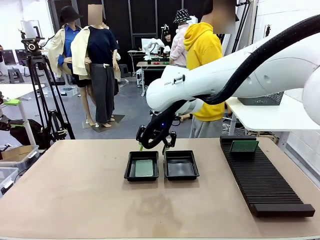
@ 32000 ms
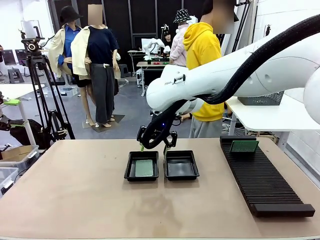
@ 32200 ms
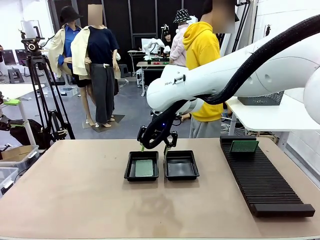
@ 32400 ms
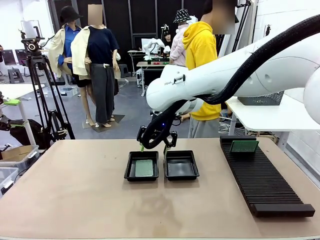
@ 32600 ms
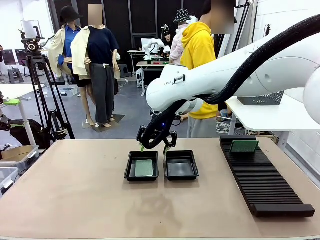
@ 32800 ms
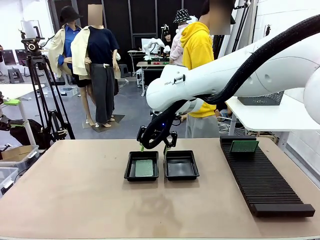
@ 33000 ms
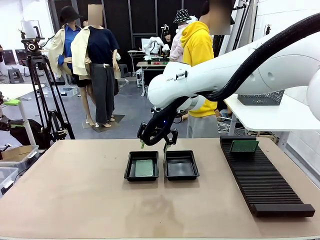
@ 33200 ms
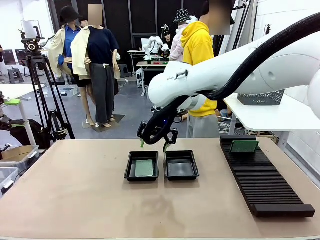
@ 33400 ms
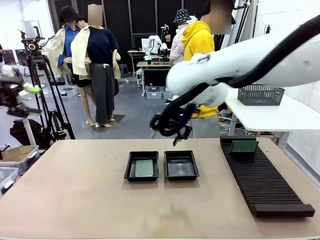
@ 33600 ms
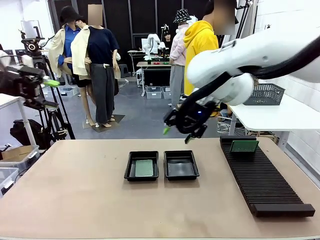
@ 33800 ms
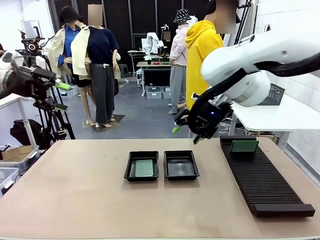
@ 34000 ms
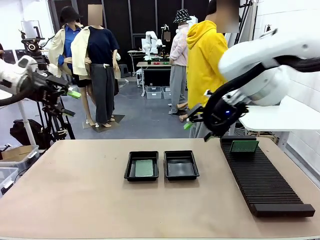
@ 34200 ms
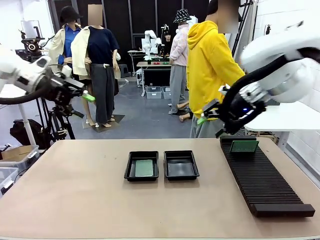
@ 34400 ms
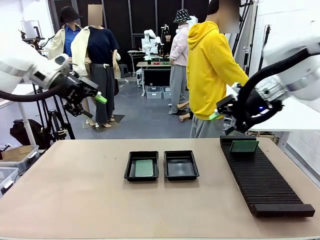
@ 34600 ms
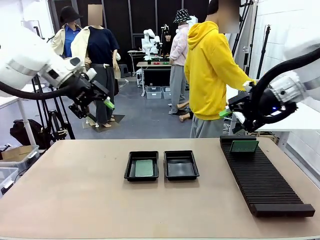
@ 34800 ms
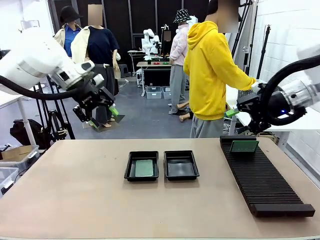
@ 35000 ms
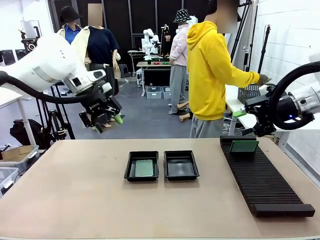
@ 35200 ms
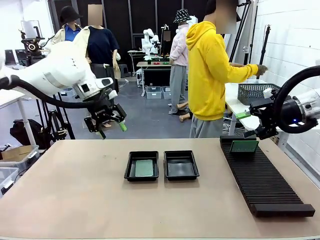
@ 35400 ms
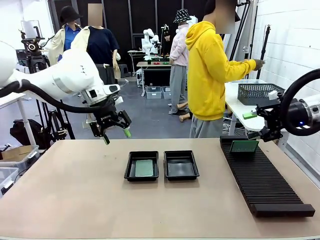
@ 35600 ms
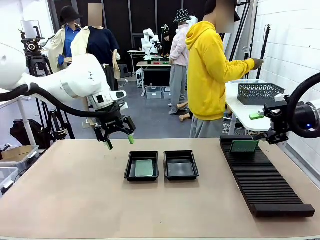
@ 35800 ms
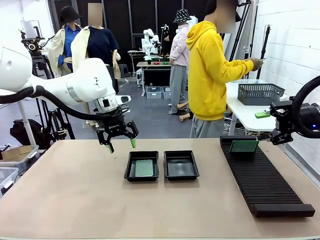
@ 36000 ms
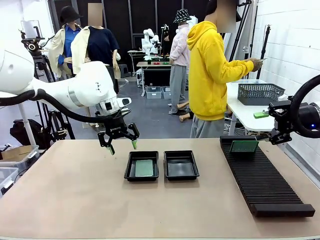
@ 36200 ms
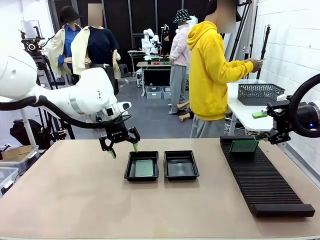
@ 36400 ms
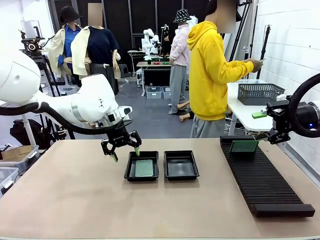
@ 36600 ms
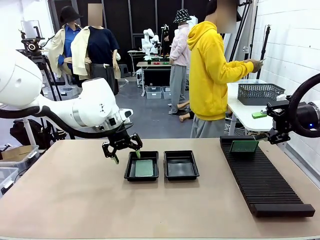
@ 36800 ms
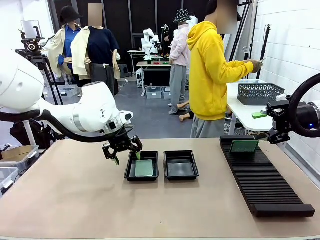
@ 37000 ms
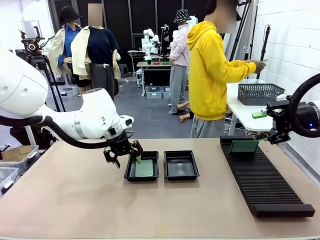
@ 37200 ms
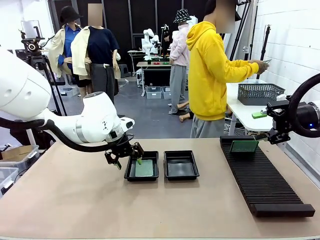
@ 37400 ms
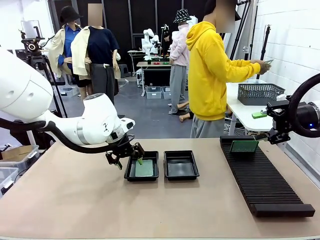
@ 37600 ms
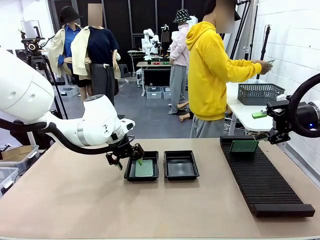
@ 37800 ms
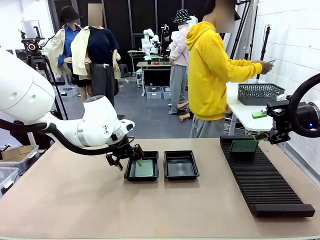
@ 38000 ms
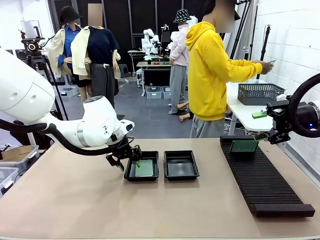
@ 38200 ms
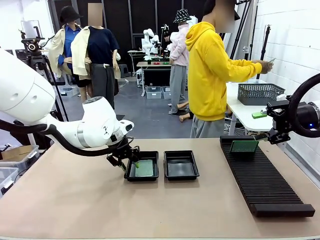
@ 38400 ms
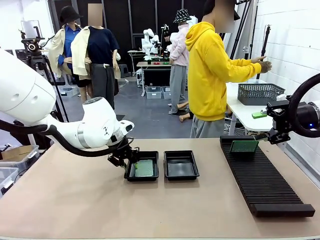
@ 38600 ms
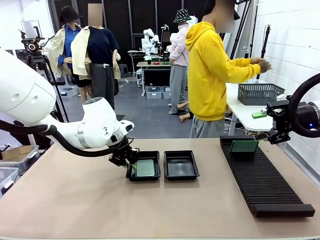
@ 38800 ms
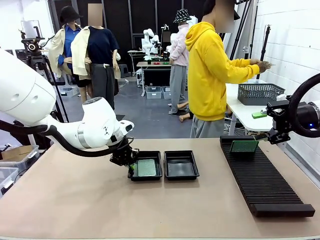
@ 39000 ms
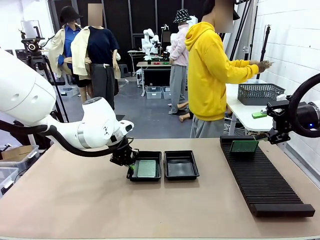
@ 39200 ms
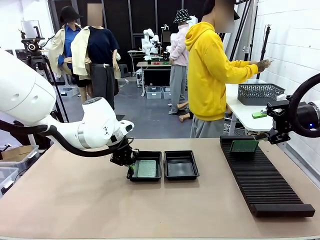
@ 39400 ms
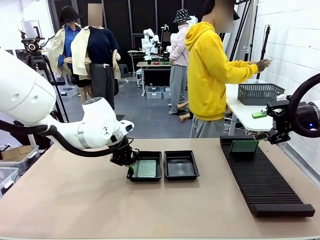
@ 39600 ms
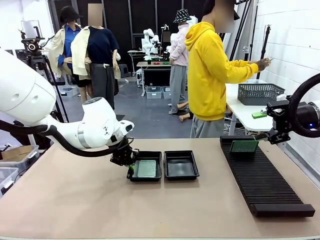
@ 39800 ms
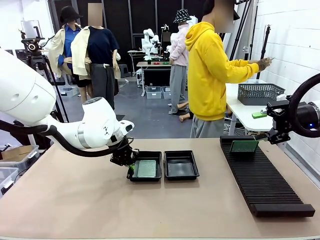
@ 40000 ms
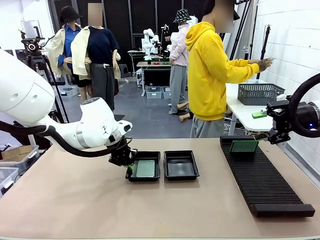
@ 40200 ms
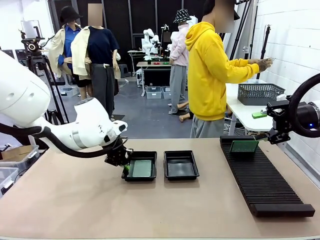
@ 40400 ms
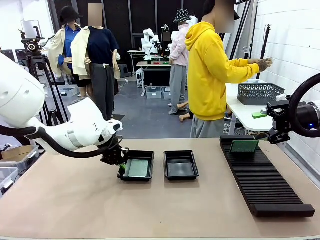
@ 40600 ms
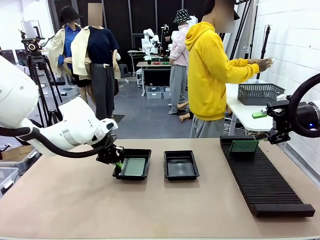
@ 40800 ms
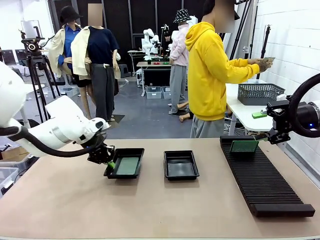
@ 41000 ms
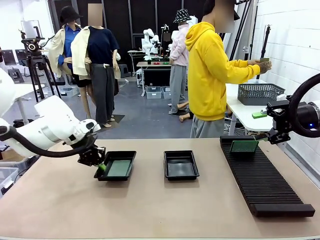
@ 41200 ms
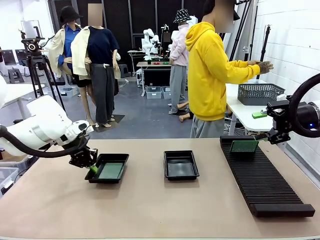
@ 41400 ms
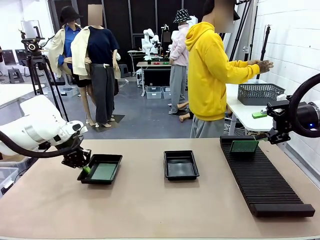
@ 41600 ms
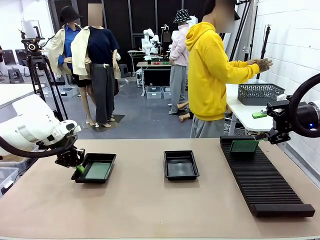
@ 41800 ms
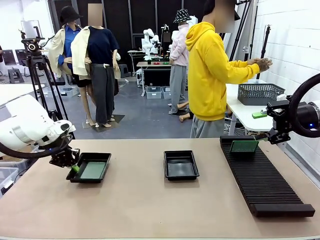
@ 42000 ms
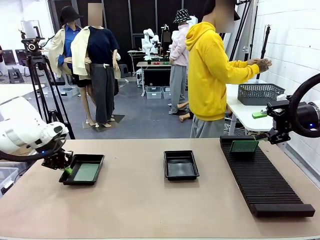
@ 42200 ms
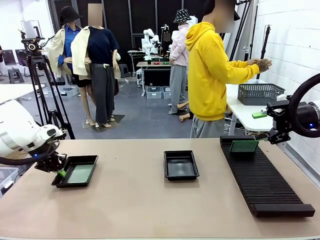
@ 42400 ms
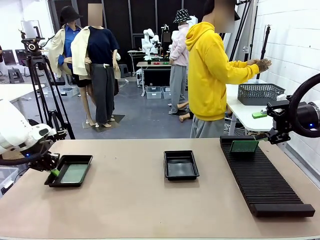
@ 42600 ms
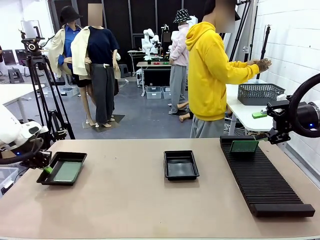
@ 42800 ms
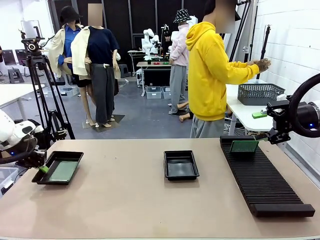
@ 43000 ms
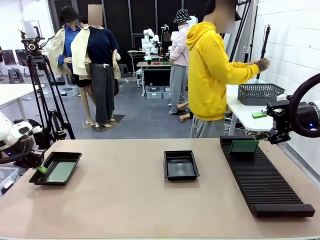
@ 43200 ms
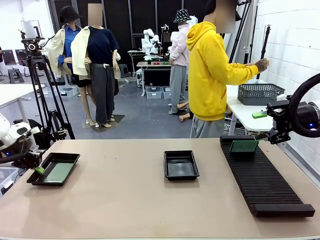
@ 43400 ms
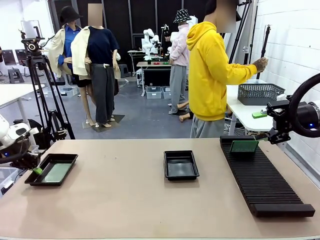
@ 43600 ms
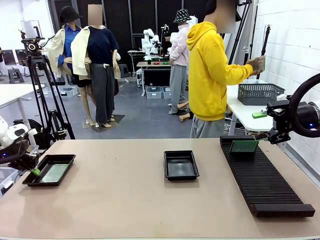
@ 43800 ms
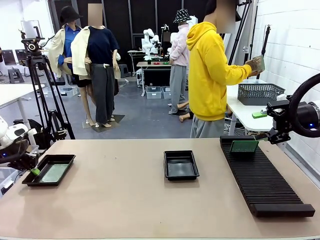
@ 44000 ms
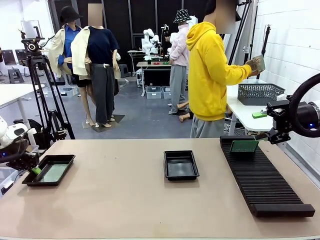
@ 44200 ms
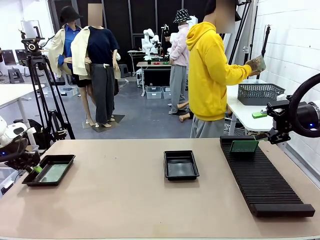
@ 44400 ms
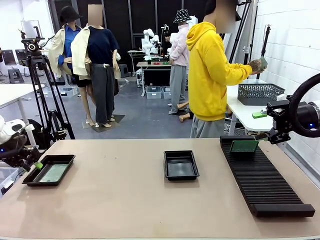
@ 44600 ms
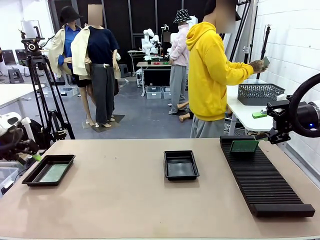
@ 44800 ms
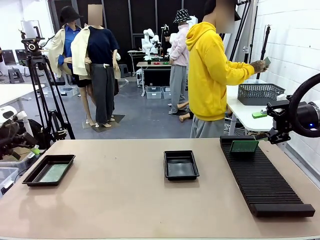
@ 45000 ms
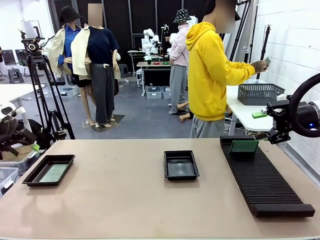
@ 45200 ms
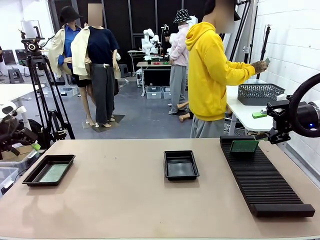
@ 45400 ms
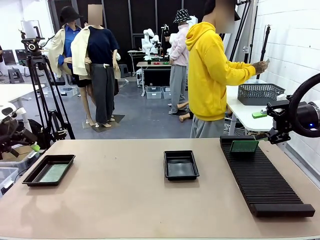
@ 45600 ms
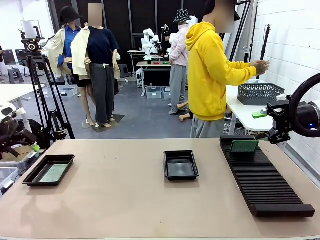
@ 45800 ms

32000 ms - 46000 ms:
Task: Inspect and transfer BCBs to ESD trays.
Robot: Pick up the ESD tray and place it on the left side of the table.
